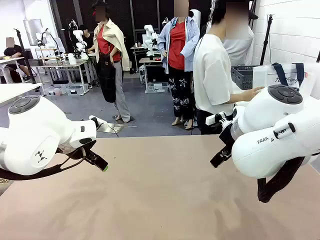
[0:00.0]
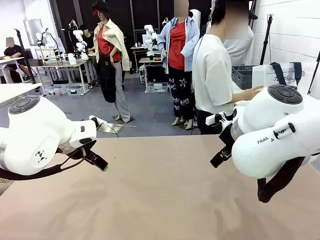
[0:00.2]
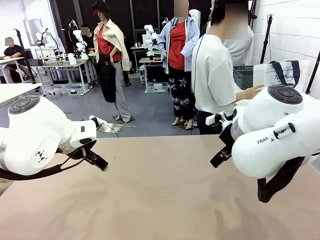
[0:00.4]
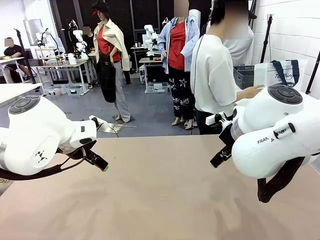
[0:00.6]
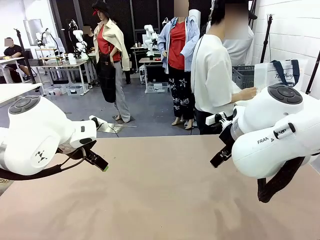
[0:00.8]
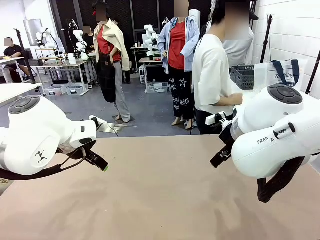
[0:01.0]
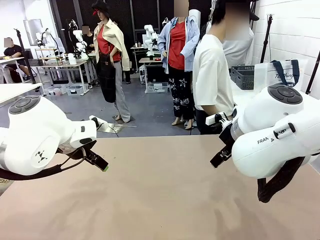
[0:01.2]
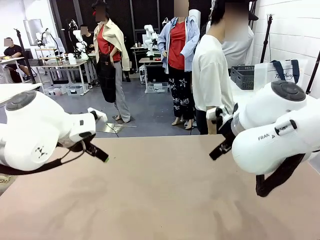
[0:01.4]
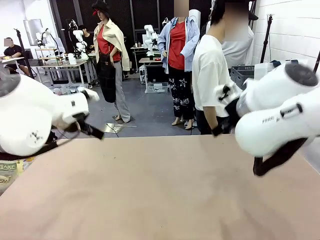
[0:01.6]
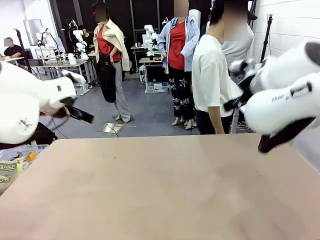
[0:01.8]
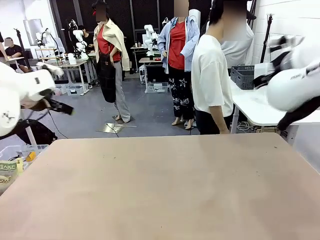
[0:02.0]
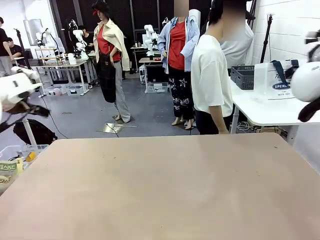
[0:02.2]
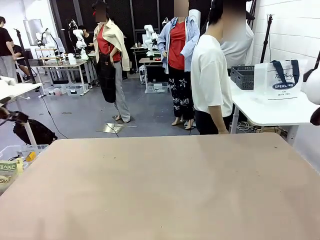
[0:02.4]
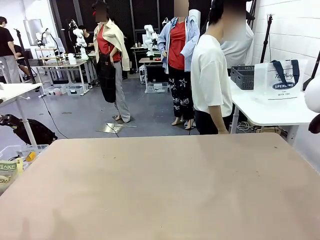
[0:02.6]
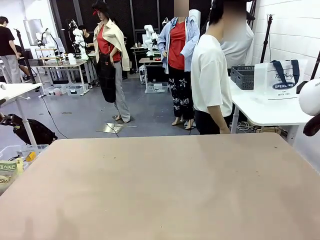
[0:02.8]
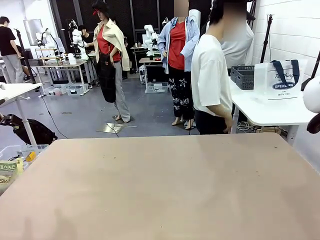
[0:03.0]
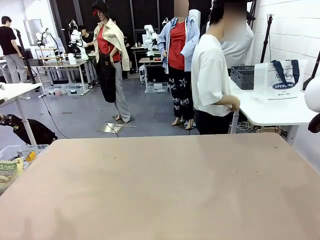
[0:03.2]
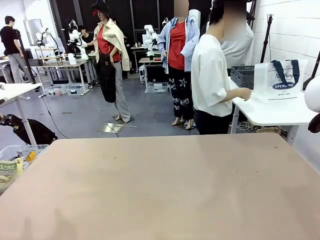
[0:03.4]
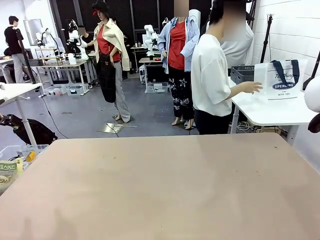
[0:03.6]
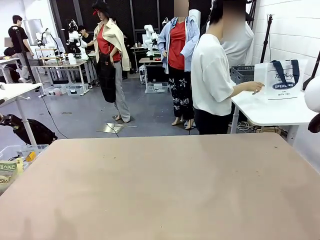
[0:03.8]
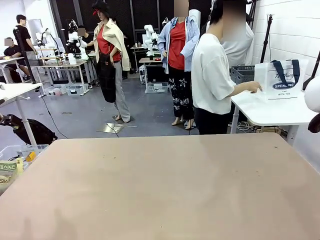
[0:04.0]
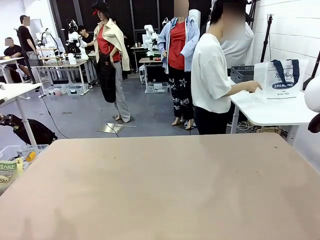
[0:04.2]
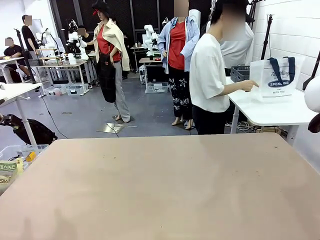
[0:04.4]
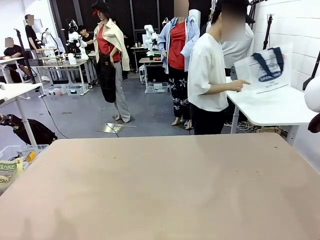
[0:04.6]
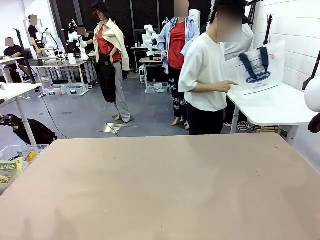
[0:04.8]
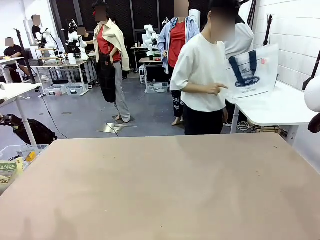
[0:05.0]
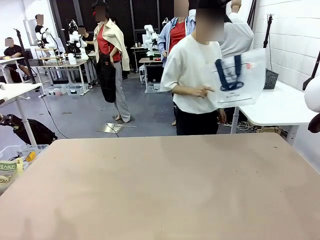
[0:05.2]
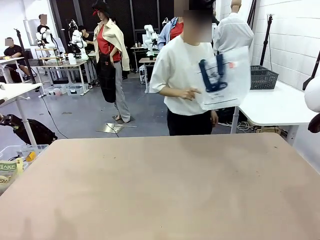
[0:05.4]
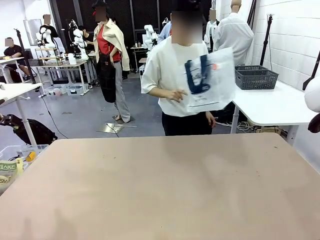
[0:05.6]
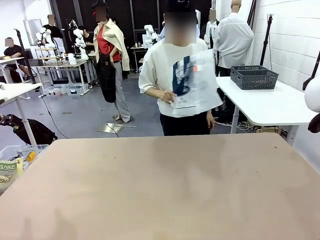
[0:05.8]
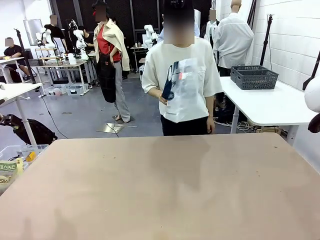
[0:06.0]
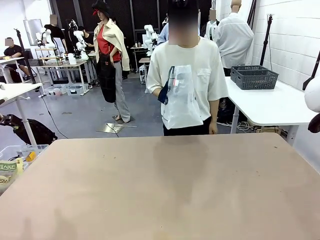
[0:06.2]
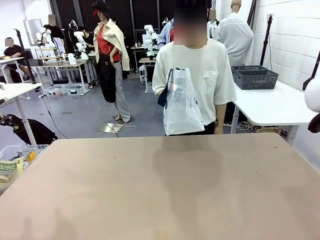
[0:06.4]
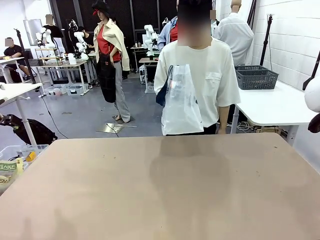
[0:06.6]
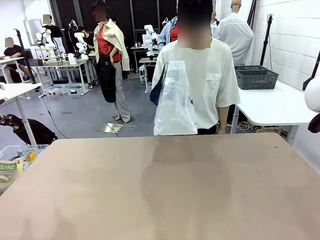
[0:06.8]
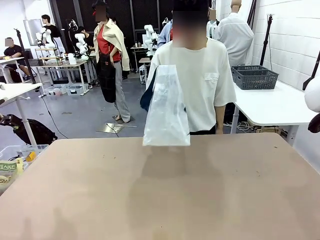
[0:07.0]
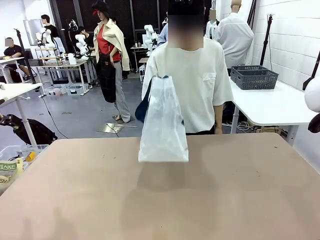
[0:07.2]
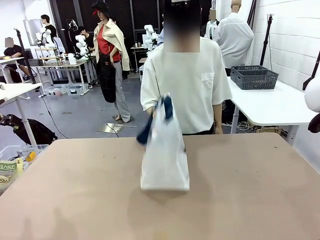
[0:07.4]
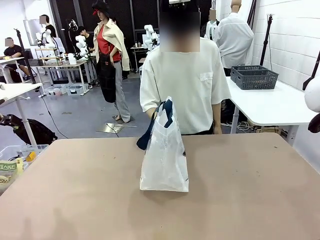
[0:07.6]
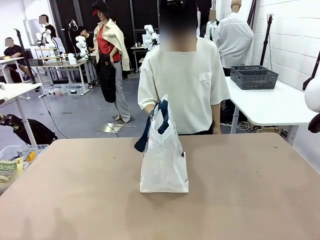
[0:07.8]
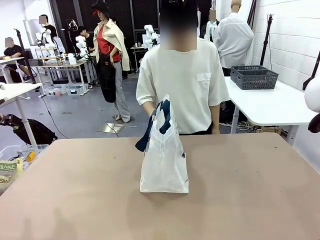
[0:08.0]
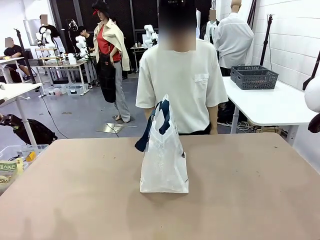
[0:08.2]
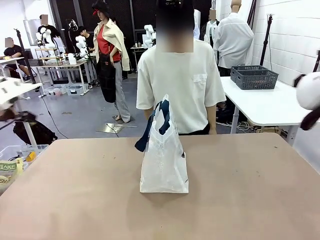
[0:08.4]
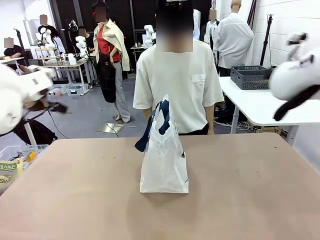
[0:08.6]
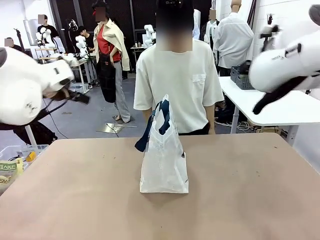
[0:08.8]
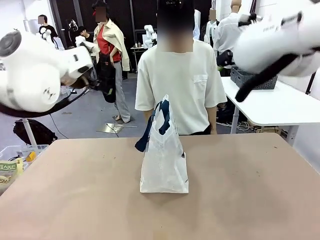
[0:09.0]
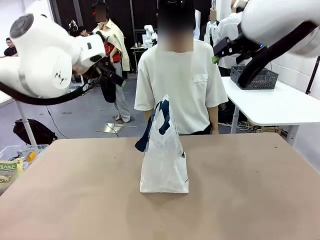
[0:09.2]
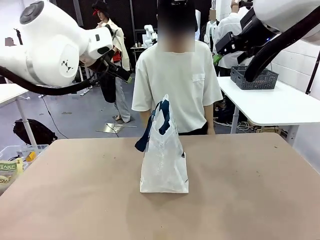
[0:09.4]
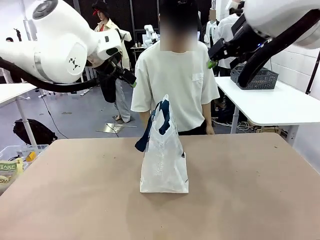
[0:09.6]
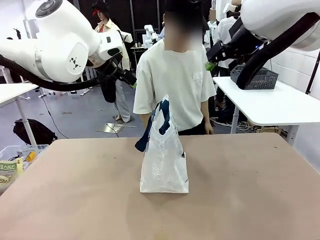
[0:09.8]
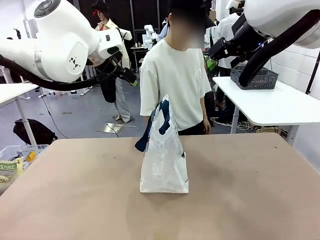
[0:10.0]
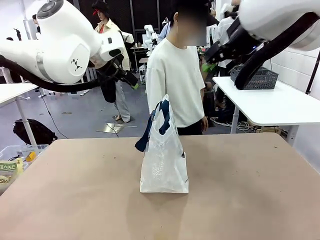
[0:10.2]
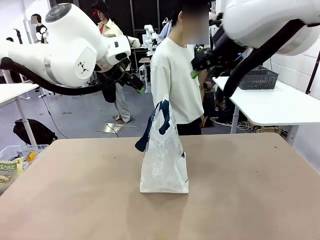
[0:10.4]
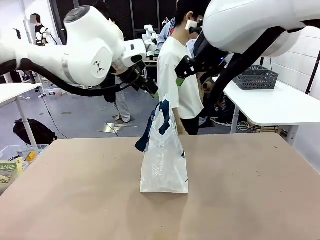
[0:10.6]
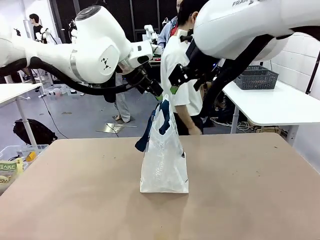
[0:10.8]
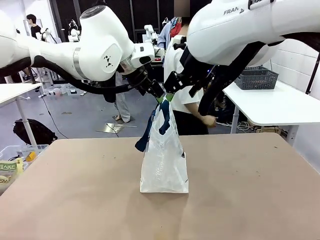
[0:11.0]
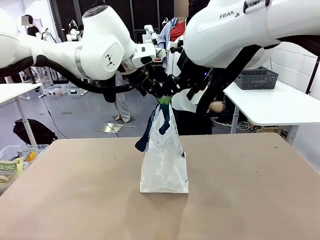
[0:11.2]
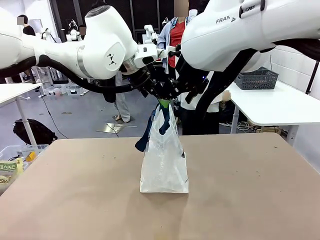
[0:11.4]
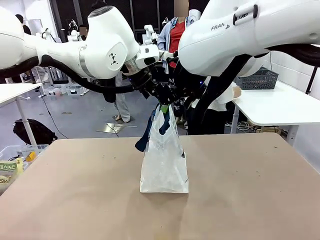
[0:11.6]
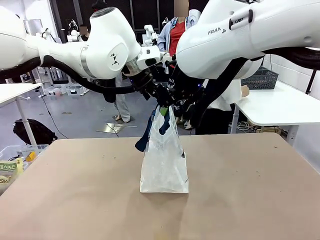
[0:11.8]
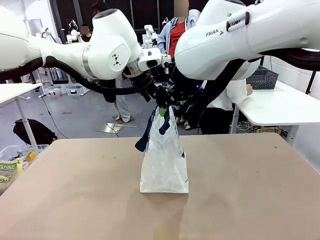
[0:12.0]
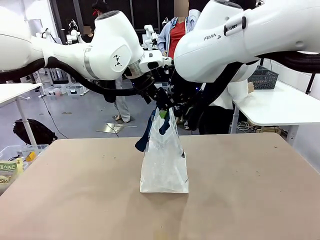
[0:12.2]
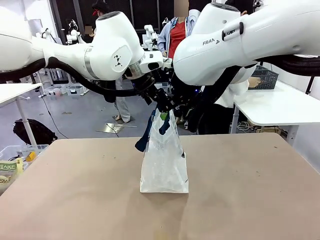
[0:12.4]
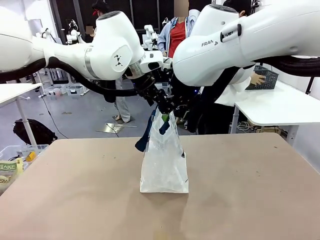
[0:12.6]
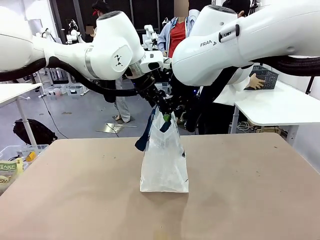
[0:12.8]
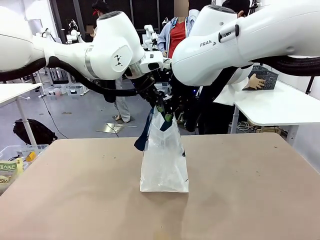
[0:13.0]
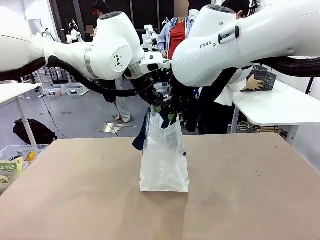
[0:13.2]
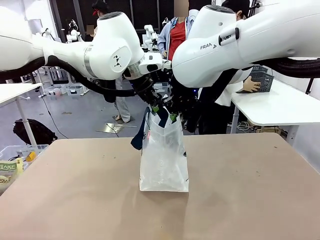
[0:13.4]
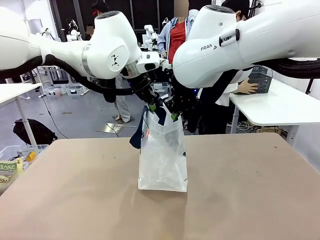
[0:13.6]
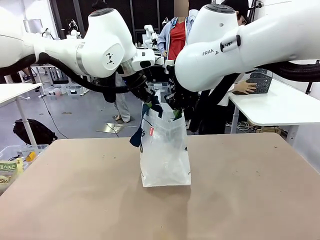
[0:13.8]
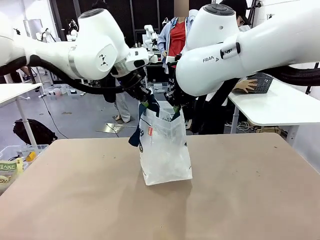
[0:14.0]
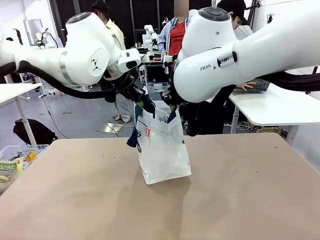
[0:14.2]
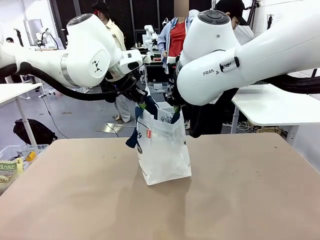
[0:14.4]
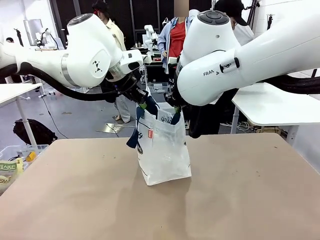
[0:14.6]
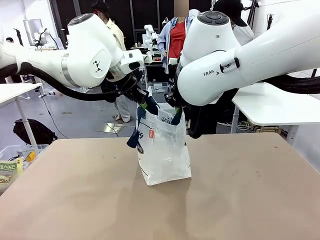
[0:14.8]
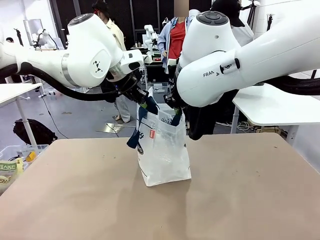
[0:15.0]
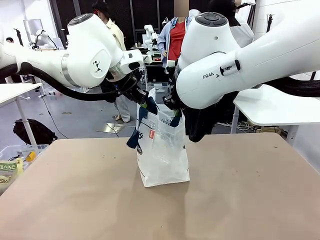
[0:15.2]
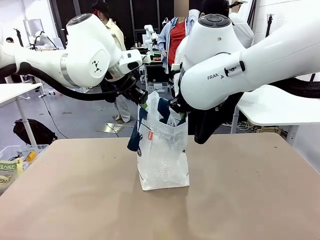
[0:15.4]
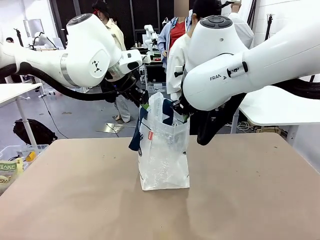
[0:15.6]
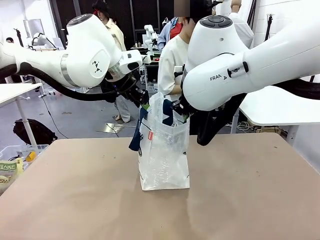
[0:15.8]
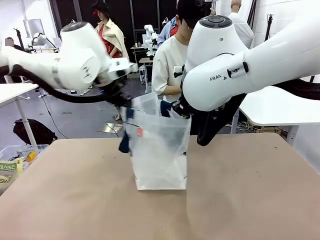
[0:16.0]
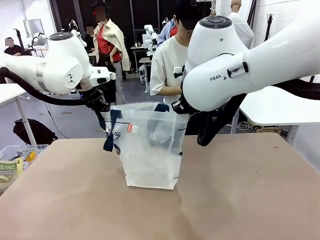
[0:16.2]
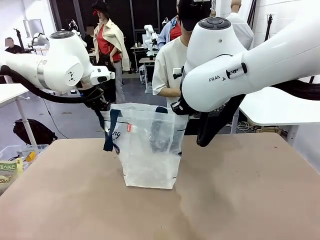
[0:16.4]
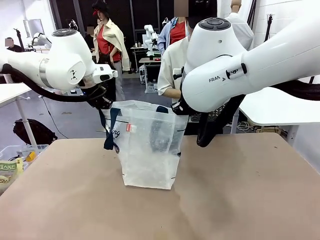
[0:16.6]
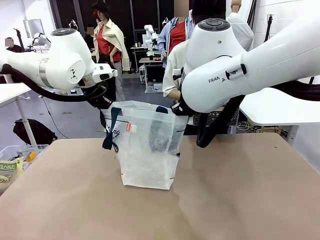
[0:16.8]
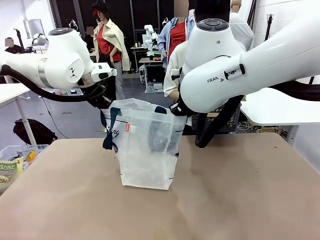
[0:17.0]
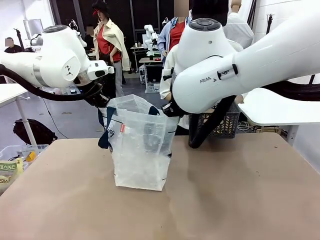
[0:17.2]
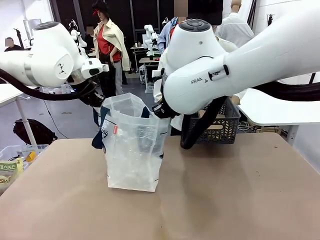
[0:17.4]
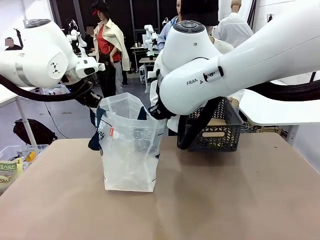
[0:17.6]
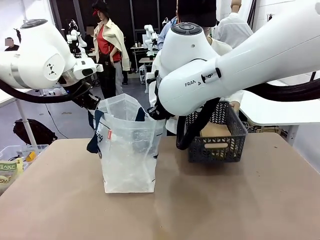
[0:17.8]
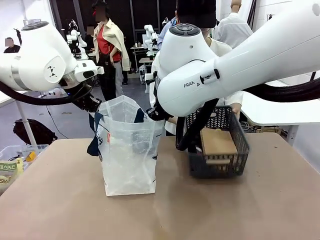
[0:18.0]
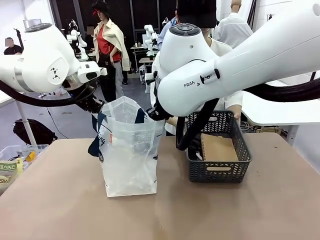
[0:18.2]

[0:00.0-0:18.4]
Task: Transfer purchased items from the store into the shopping bag.
Robot: Open the Reusable shopping bag in the center of the table.
Person: Pick up the shopping bag and place it in the middle of the robot table. Pick up the basket on the right, place it on the left side of the robot table, and move the items in the basket to the shopping bag.
